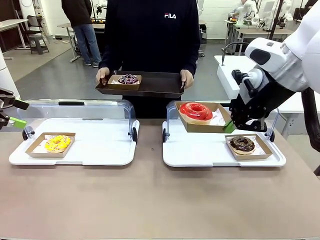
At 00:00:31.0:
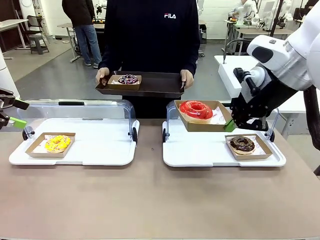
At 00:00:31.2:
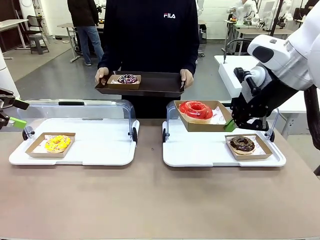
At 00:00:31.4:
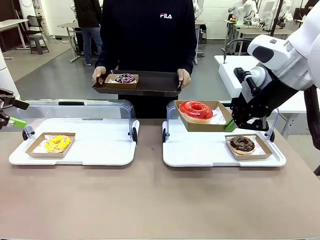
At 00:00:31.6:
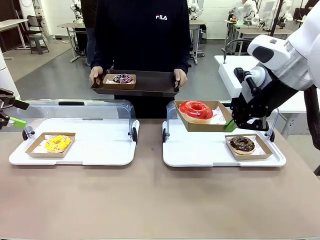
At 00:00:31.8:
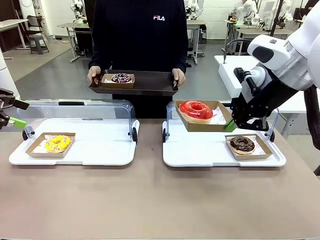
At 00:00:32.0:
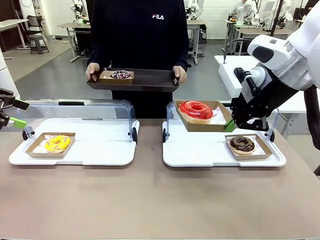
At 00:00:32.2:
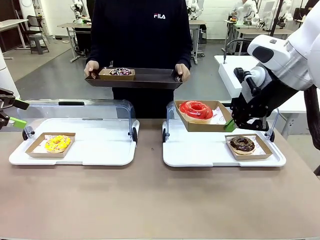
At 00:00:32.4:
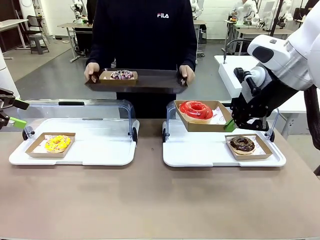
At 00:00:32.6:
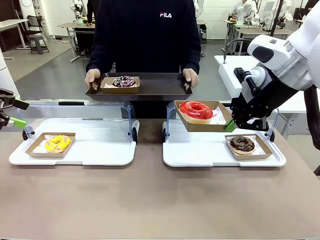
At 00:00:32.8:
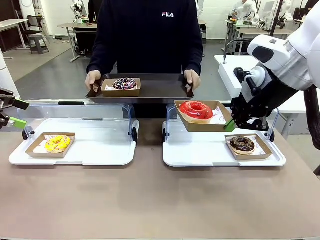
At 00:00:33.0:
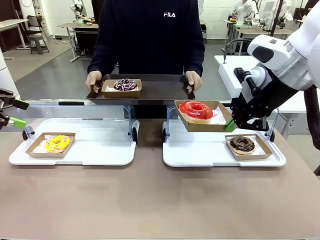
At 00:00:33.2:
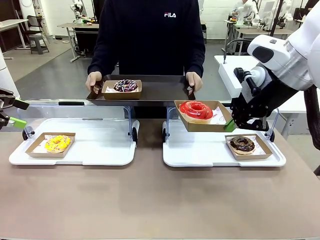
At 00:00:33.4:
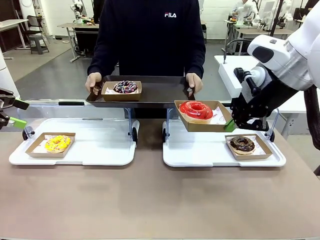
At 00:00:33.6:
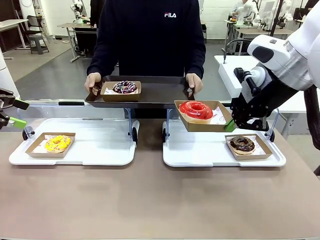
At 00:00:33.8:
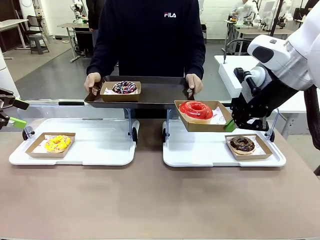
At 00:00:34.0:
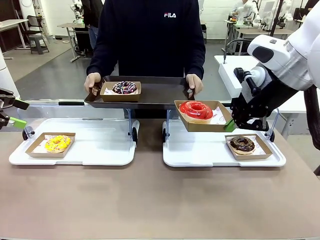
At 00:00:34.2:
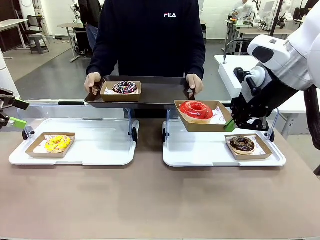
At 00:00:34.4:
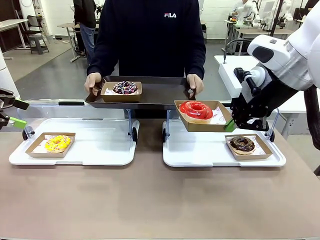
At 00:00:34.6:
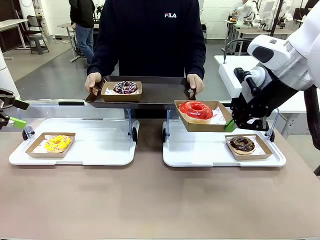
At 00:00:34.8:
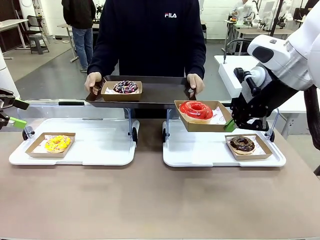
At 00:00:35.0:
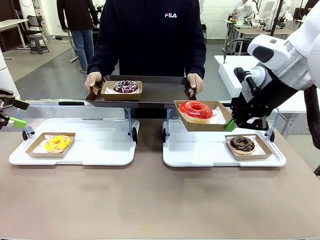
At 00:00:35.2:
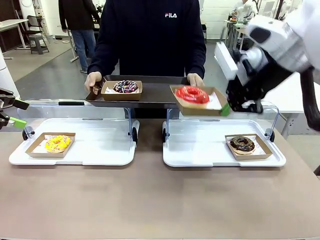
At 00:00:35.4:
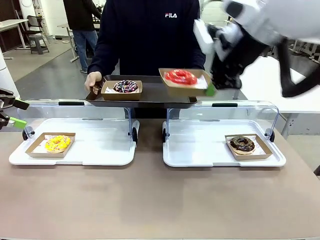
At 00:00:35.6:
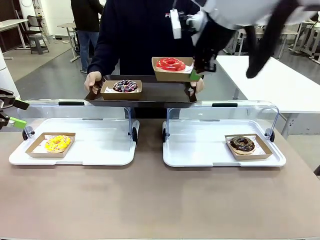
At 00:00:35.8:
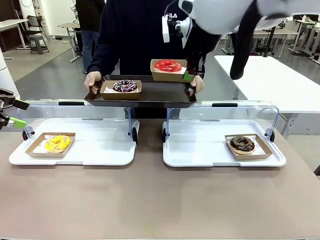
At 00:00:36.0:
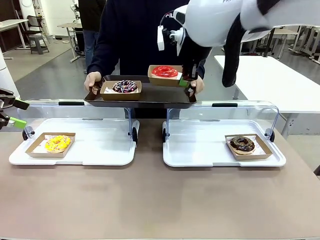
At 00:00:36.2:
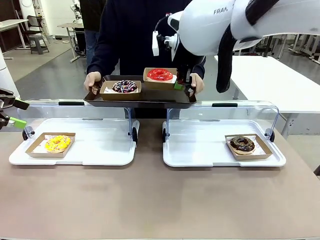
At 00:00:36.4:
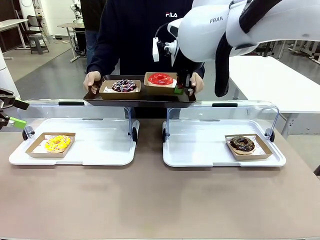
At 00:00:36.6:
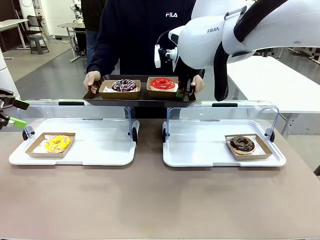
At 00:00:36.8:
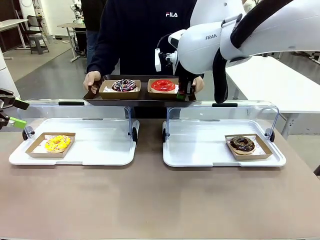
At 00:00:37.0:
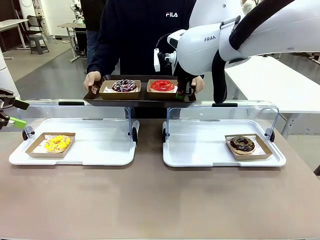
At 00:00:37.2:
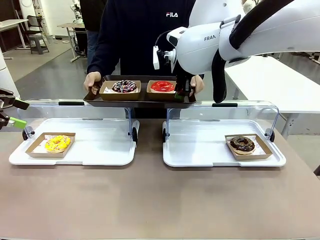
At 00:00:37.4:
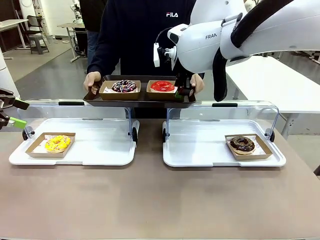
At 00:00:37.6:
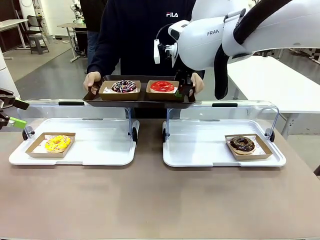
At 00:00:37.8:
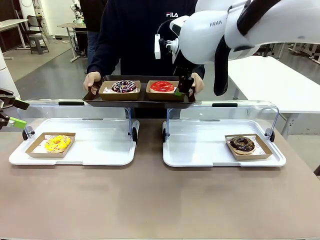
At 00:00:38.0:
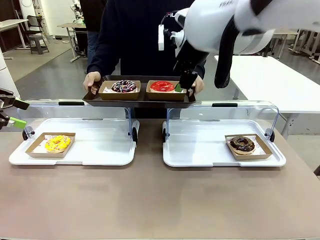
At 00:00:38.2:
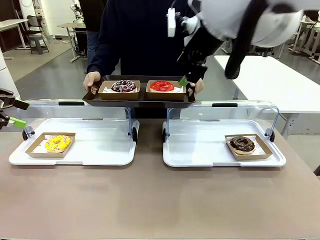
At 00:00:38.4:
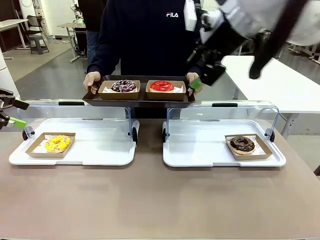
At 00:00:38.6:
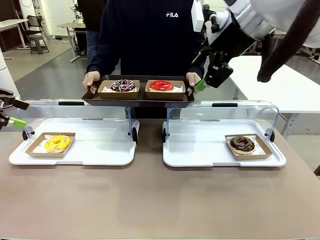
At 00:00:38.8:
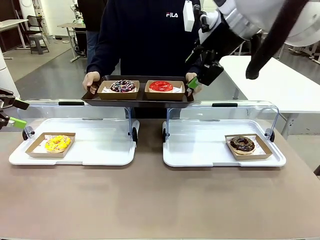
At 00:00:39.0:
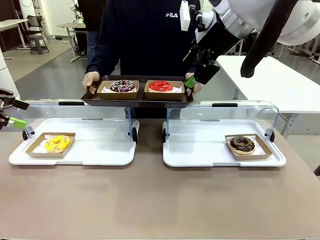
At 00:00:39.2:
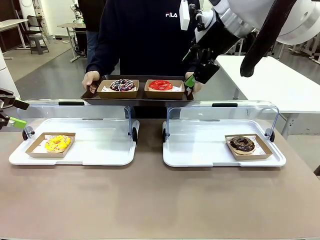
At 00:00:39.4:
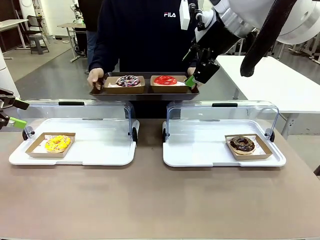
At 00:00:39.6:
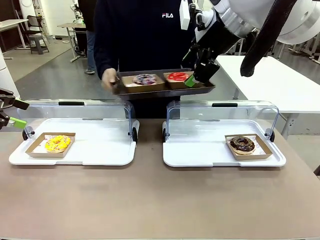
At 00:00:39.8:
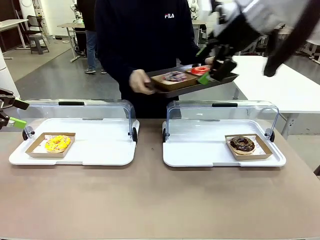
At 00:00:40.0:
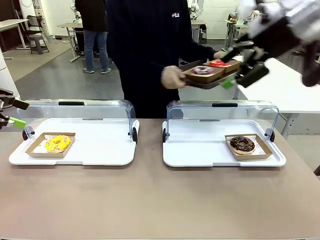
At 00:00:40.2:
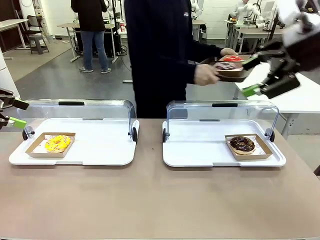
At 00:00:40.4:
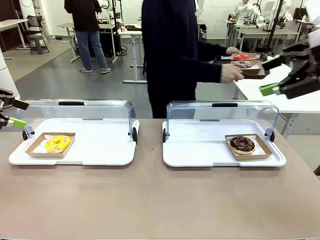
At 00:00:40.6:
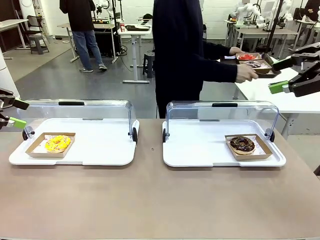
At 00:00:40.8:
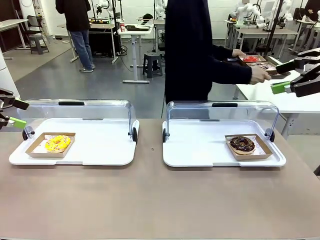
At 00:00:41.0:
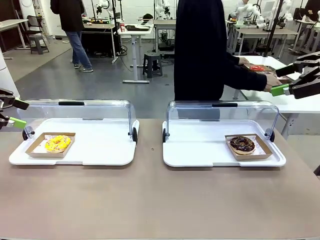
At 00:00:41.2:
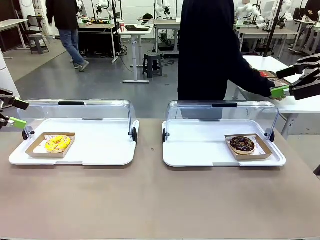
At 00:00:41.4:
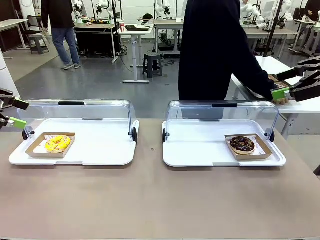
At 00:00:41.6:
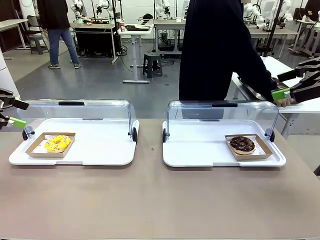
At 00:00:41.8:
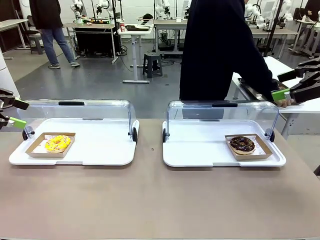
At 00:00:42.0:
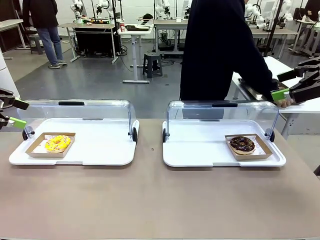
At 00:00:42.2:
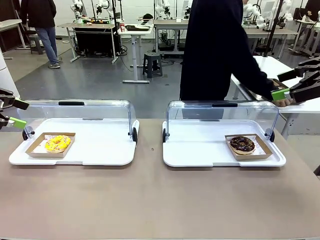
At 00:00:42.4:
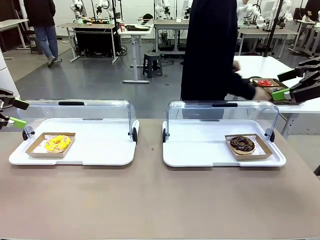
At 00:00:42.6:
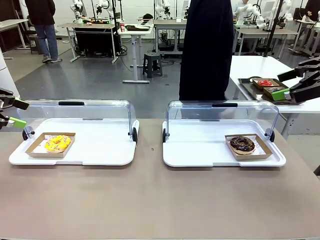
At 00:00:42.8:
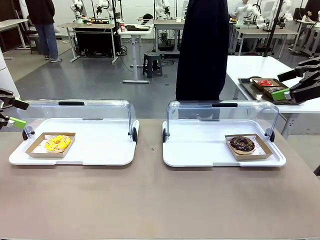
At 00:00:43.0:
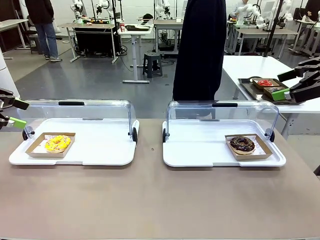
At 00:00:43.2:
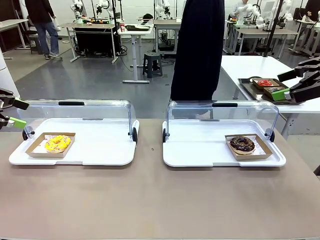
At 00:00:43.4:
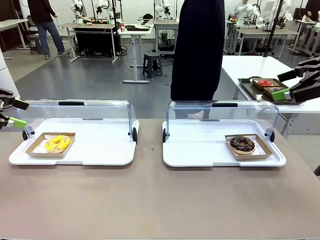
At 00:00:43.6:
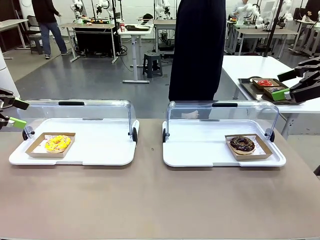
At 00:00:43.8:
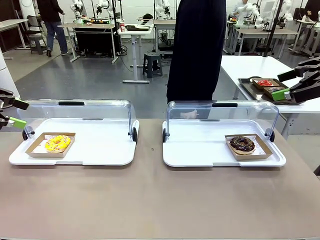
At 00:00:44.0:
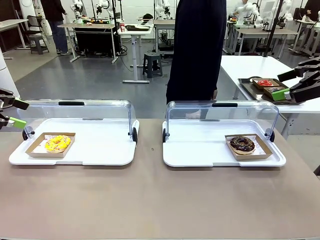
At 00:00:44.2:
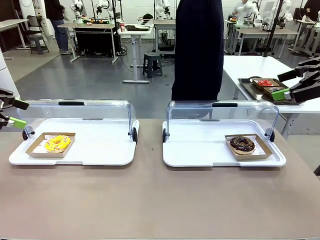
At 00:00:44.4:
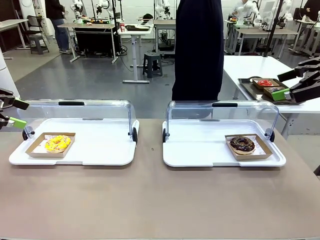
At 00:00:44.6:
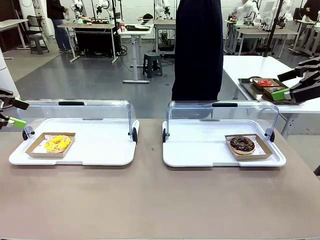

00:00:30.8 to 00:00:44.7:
Task: Provide the desired donut to the person.
Robot: Place the picked Paper togo box onto the Handle tray extended by the person.
Person: Place the tray in the middle of the human table.
